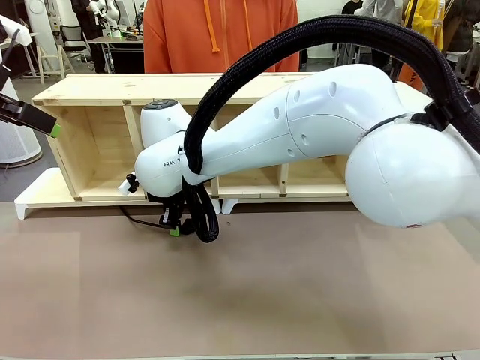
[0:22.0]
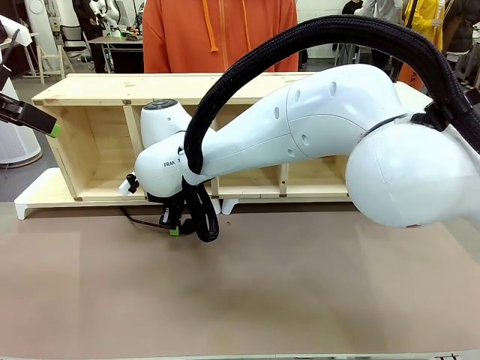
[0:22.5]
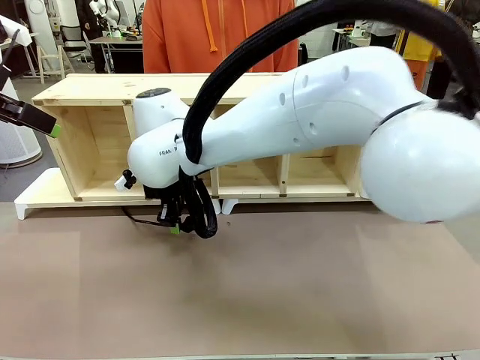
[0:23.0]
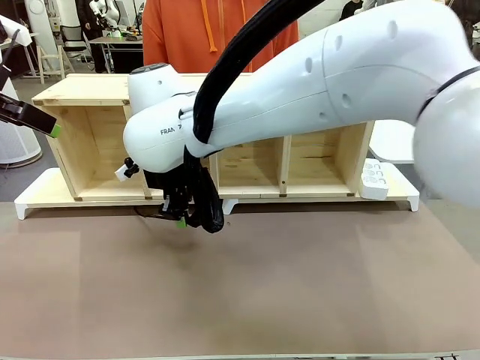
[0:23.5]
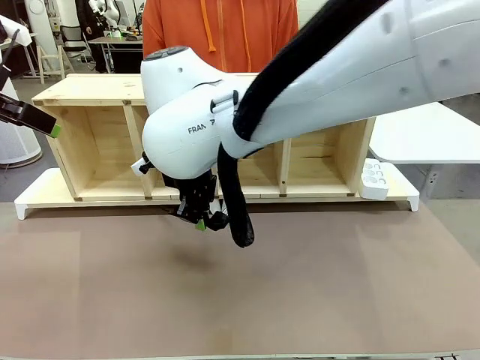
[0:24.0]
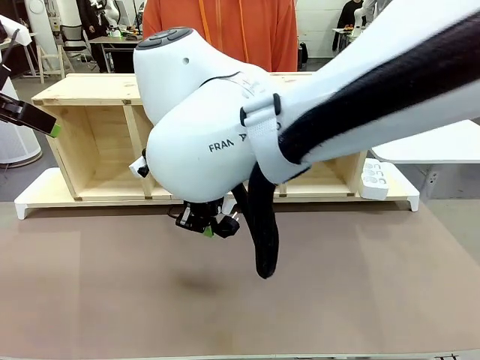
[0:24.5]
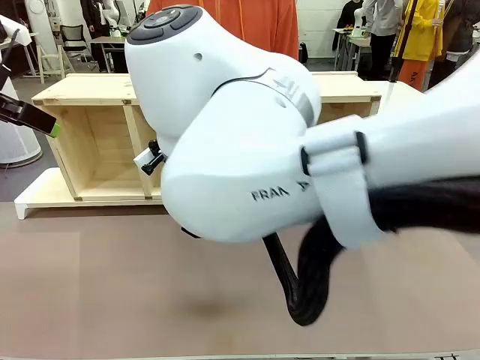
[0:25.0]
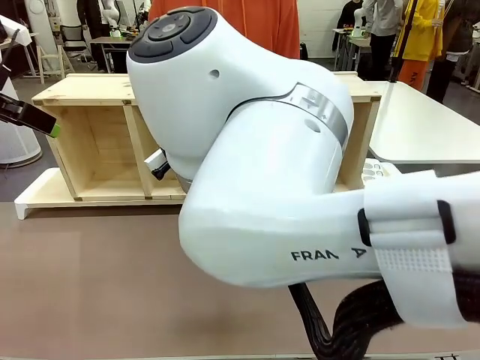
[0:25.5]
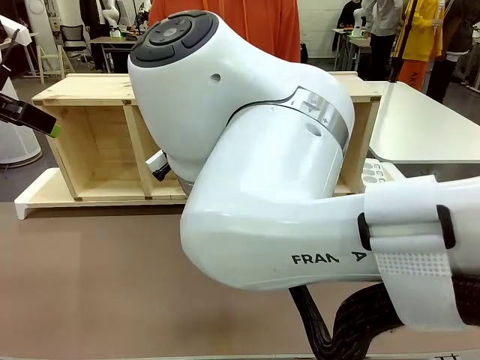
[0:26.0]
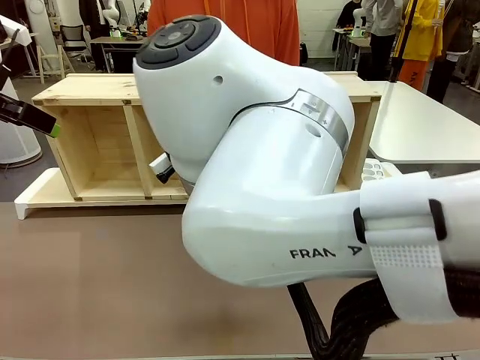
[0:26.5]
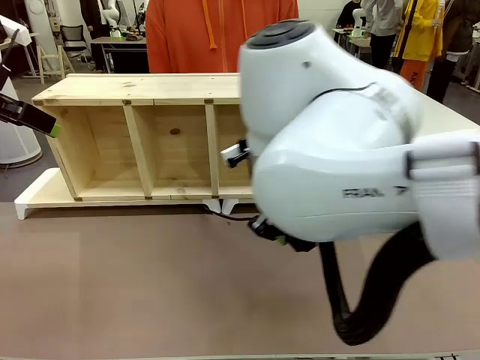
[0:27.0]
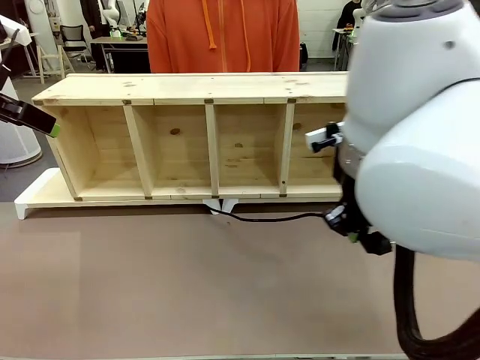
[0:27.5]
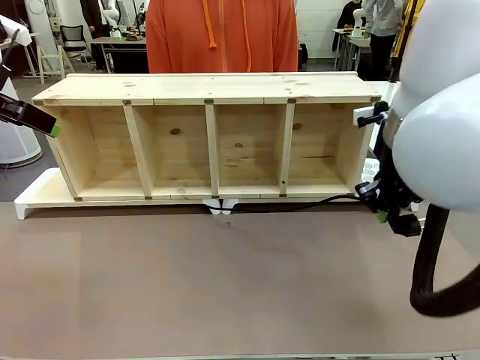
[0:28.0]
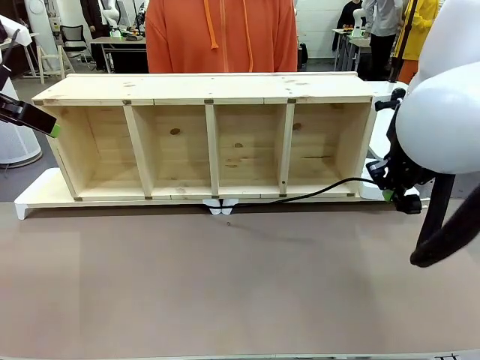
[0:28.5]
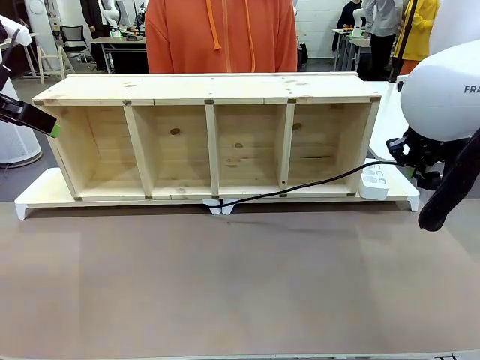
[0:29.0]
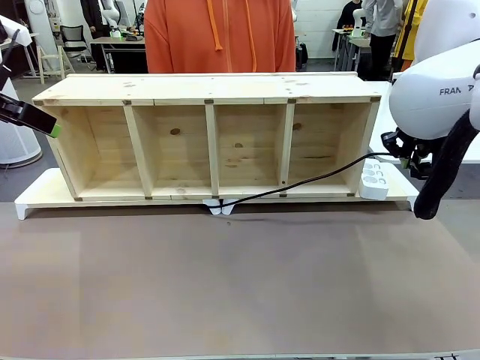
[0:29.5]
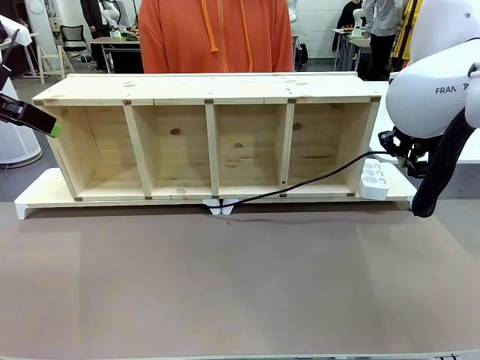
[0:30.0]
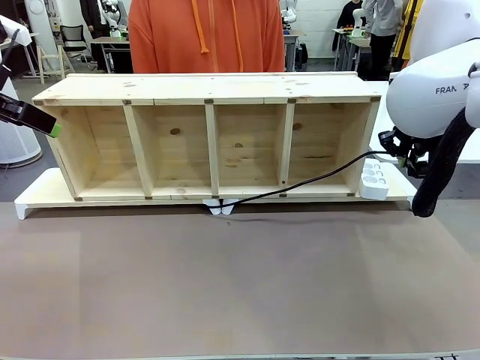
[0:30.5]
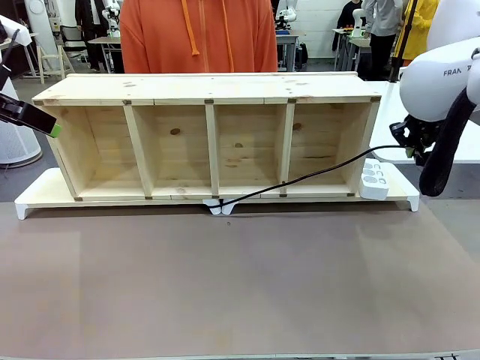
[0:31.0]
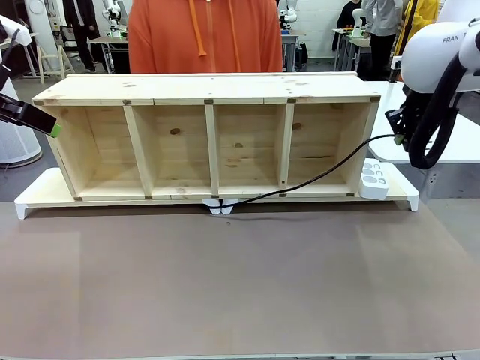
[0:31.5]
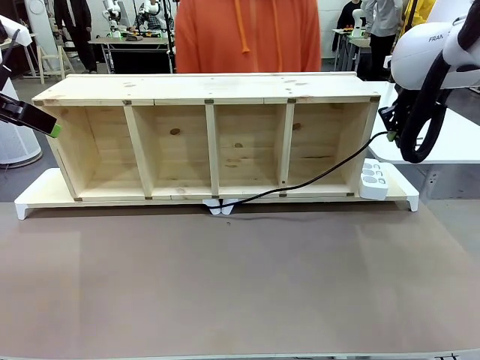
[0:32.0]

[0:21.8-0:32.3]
Task: Perform cable management.
Robot: Pull the grasped Power Cable to the location of the Power Strip.

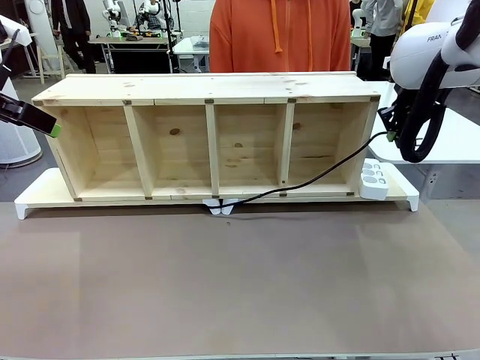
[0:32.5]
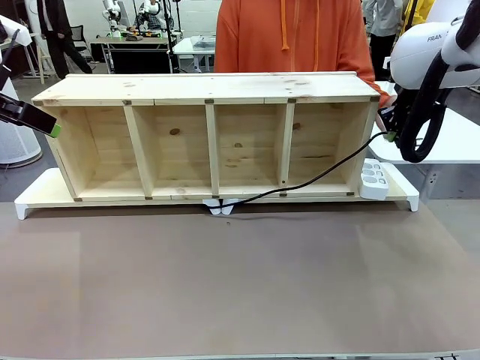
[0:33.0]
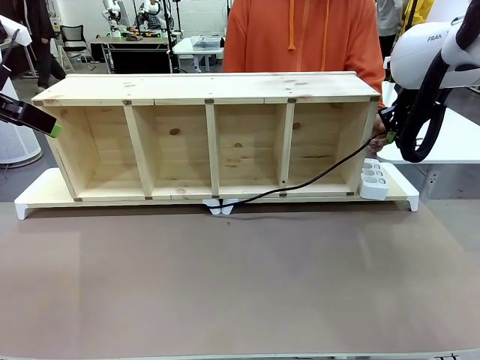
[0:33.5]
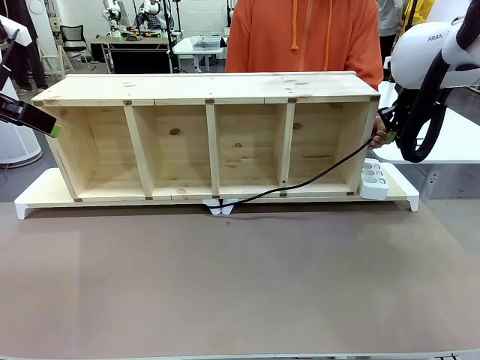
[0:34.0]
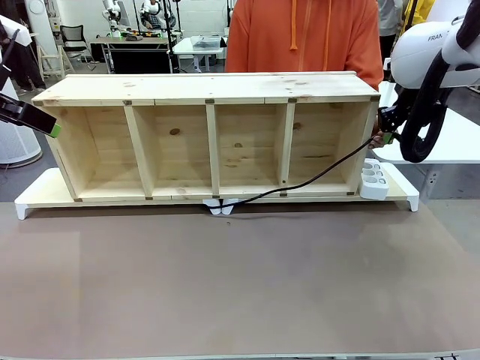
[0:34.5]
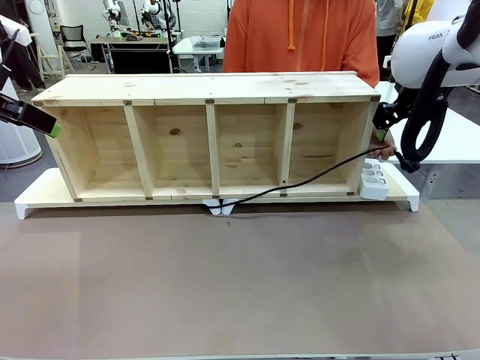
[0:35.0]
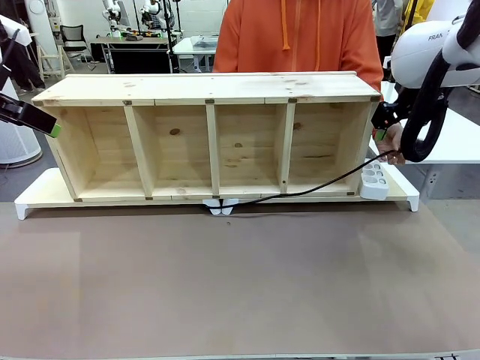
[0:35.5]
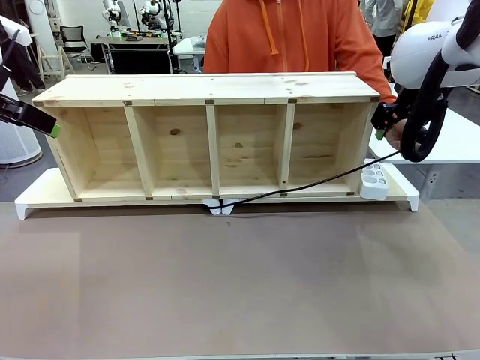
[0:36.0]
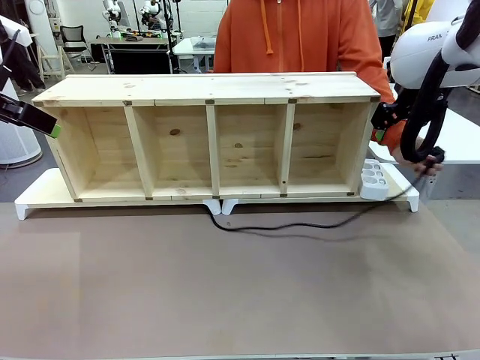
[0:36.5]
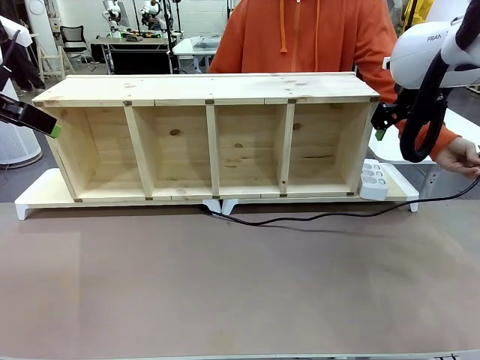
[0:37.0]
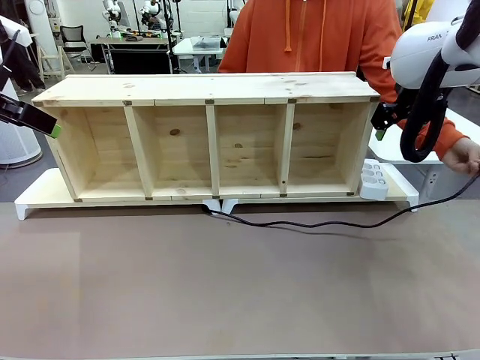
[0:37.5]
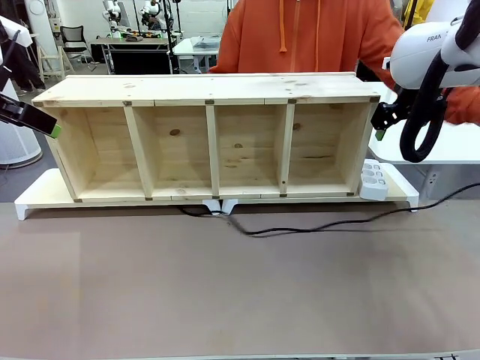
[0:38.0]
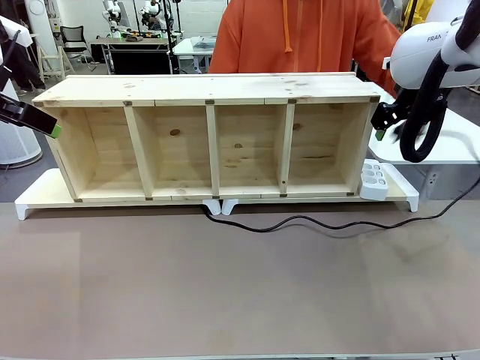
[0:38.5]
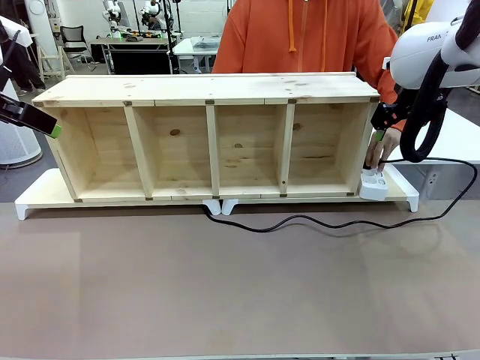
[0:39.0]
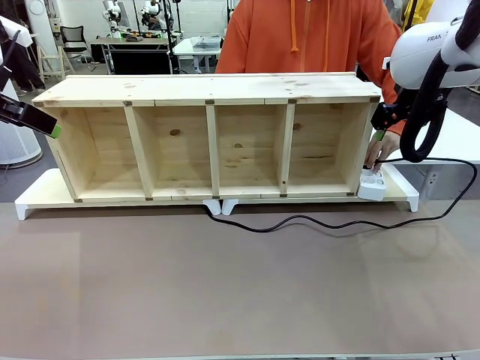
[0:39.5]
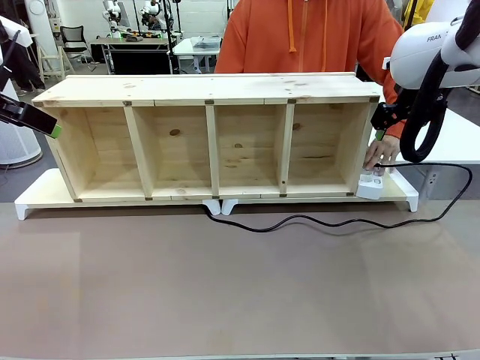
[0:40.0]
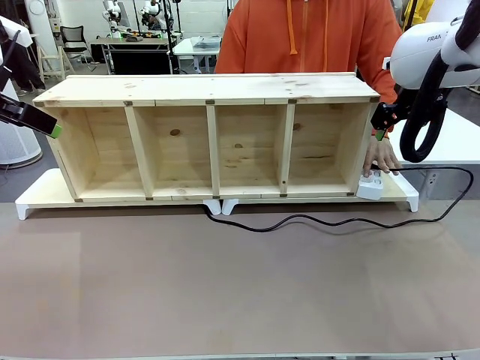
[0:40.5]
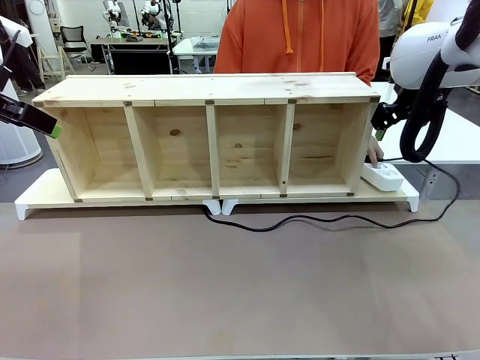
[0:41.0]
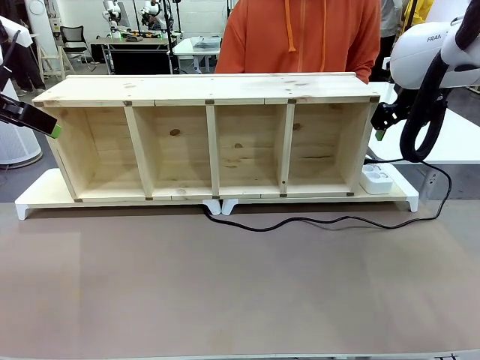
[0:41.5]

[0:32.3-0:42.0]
Robot: Release the Power Cable when the human grasps it.
Person: Plug the Power Cable into the Power Strip.

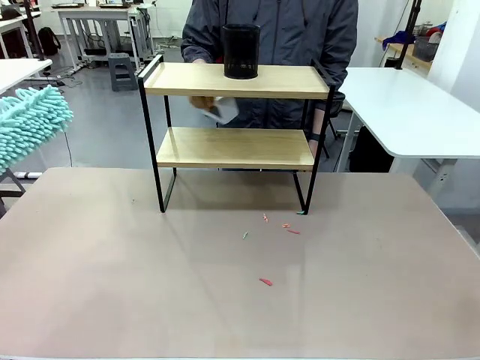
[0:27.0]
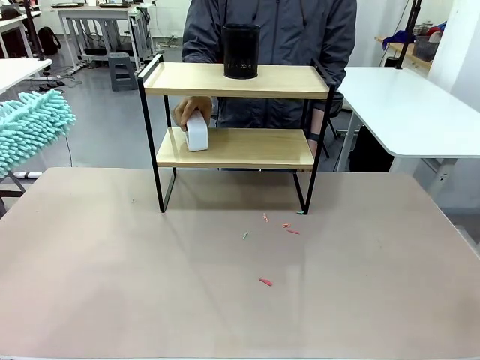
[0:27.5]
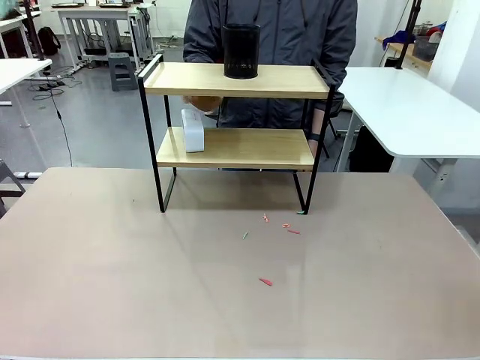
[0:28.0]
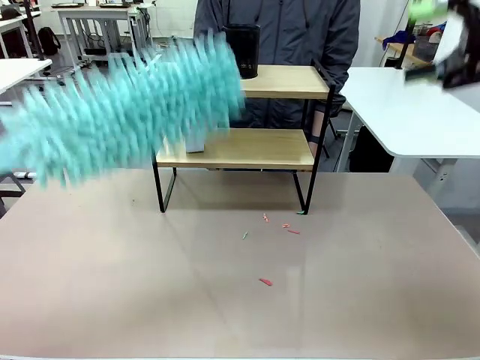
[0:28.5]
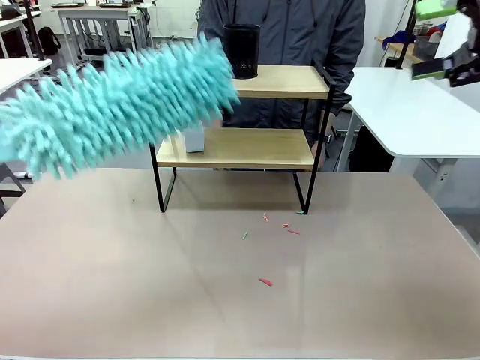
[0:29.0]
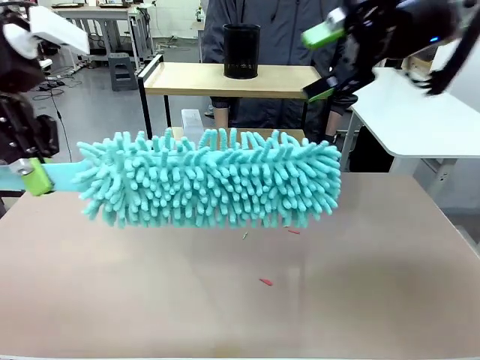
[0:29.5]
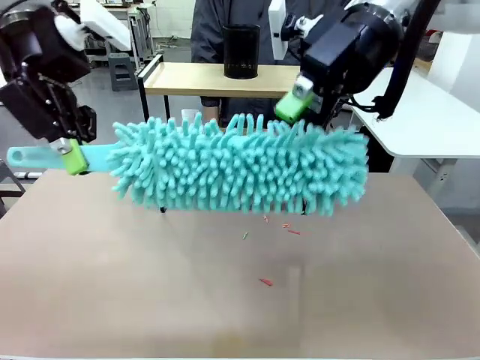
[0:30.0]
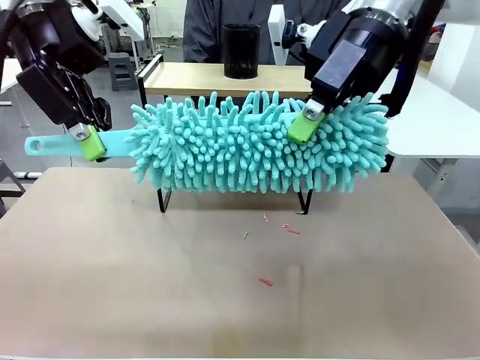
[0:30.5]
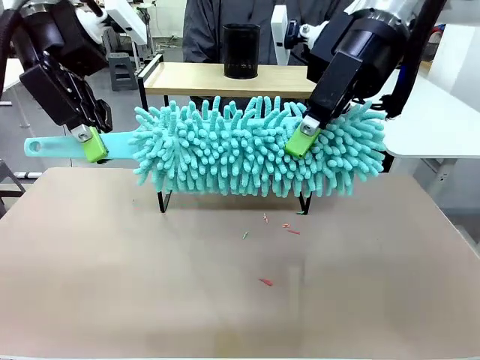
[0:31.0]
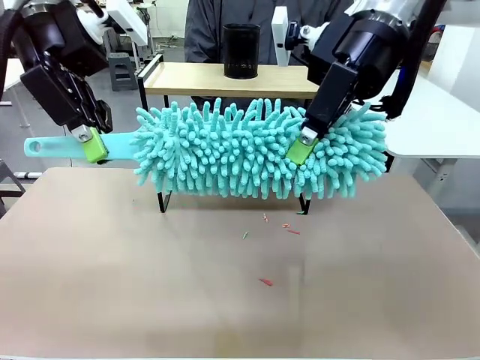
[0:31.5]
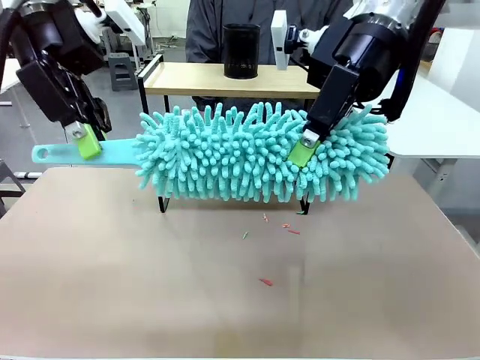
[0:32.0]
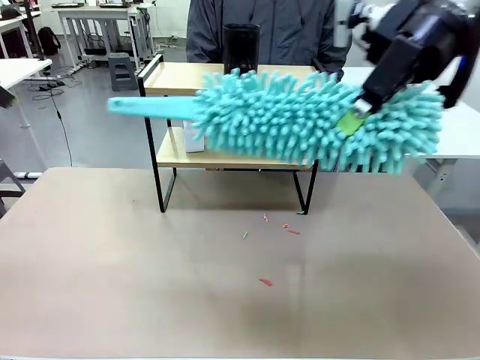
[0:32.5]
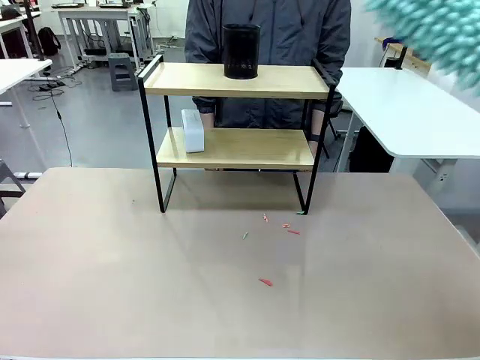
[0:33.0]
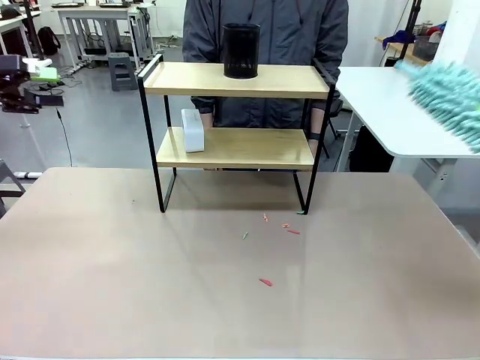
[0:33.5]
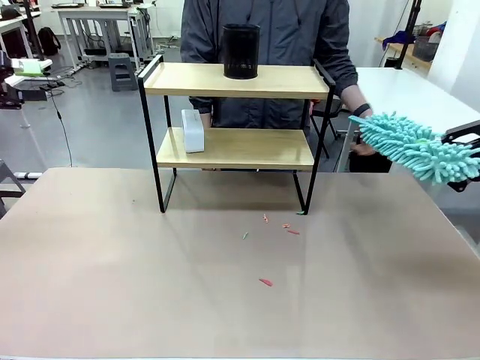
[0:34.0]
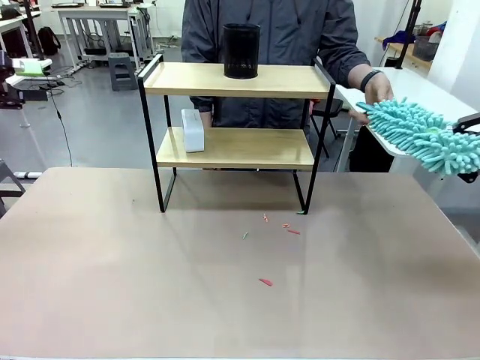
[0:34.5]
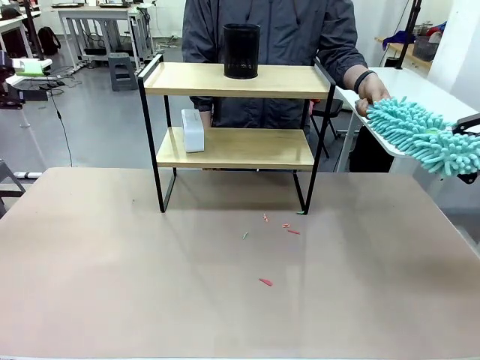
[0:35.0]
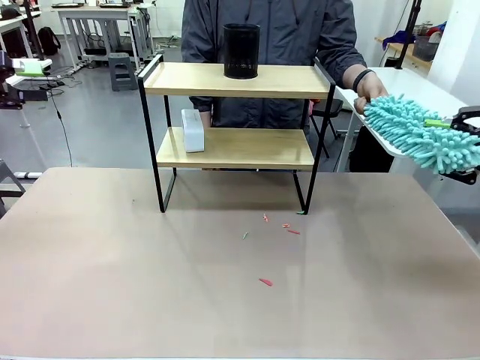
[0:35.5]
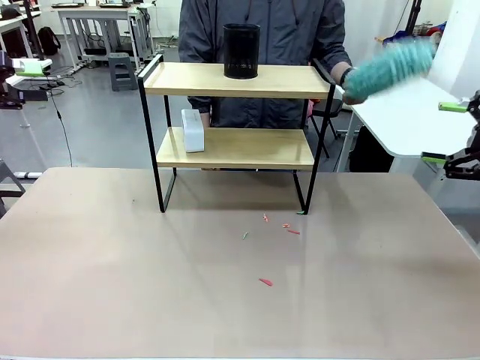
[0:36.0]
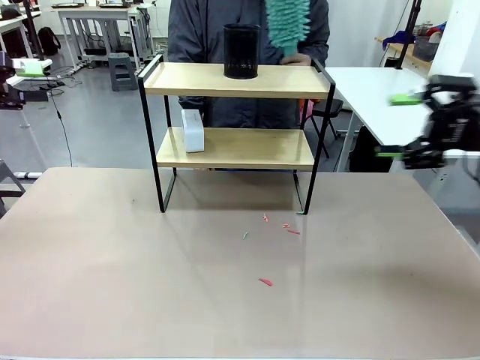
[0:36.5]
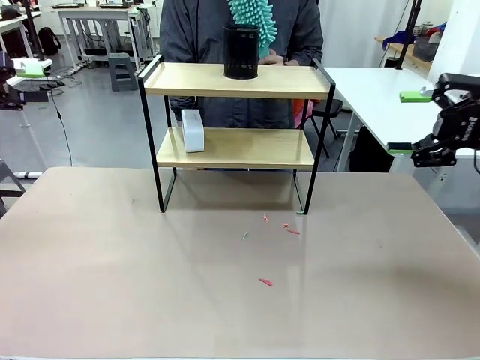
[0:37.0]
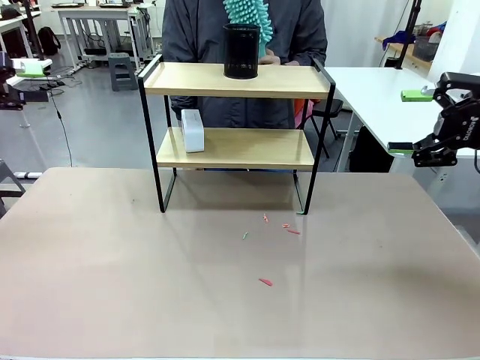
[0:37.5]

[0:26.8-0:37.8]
Task: Clean the shelf.
Robot: Hand the Duster back to the human.
Person: Receive the Duster from the robot.
